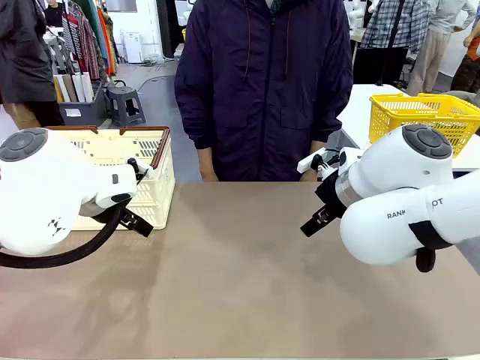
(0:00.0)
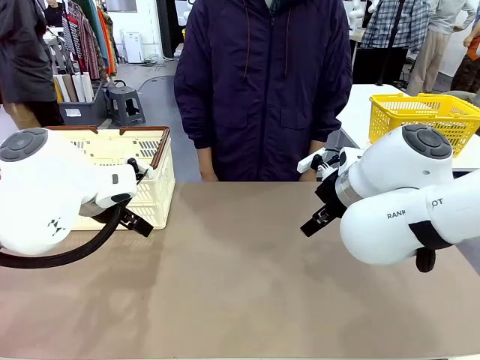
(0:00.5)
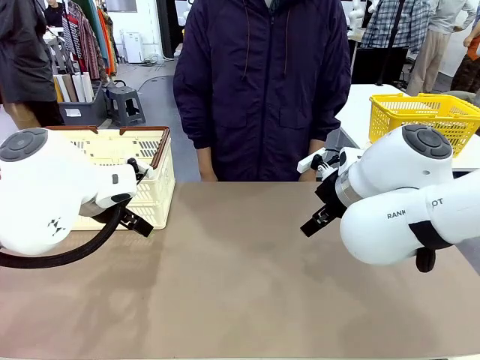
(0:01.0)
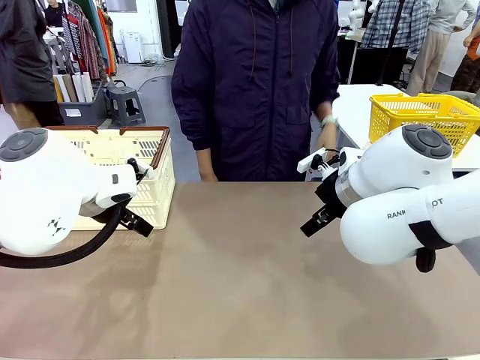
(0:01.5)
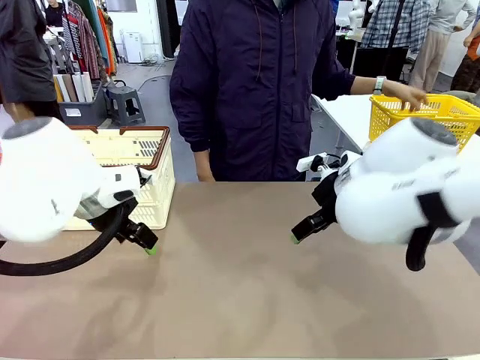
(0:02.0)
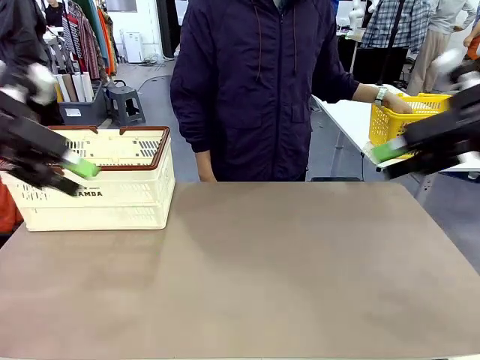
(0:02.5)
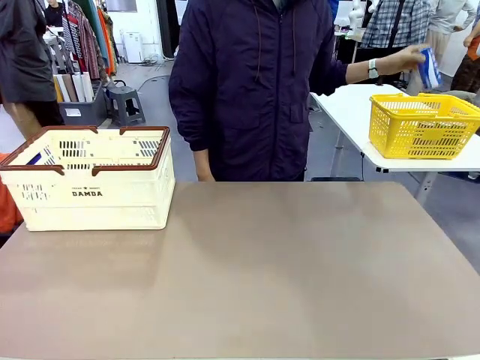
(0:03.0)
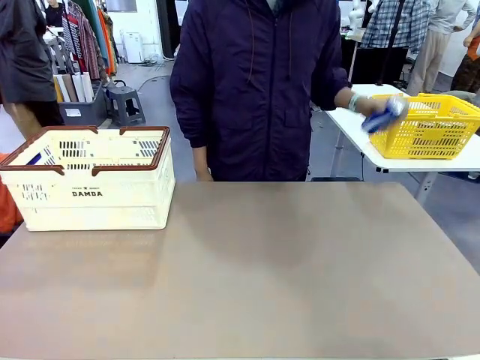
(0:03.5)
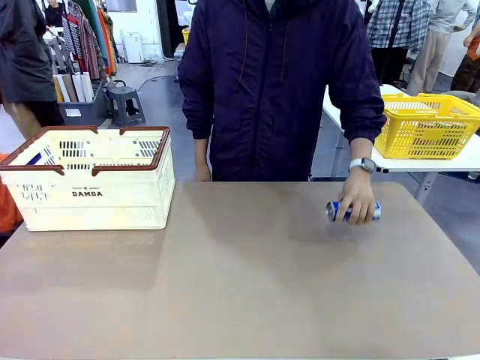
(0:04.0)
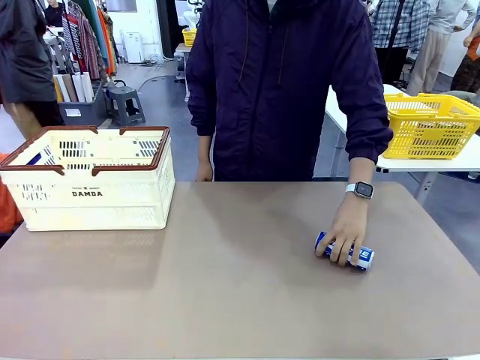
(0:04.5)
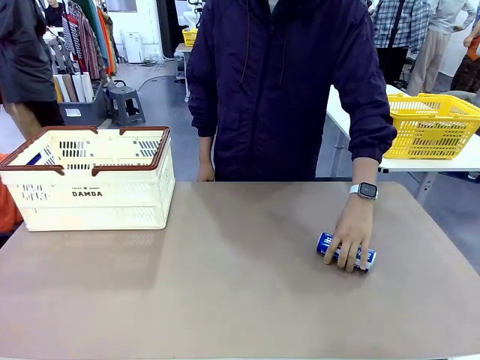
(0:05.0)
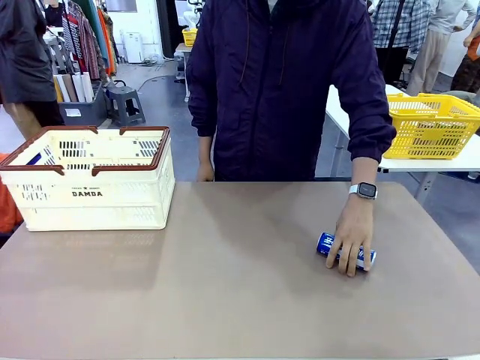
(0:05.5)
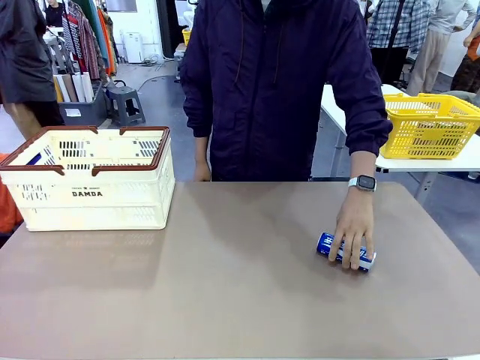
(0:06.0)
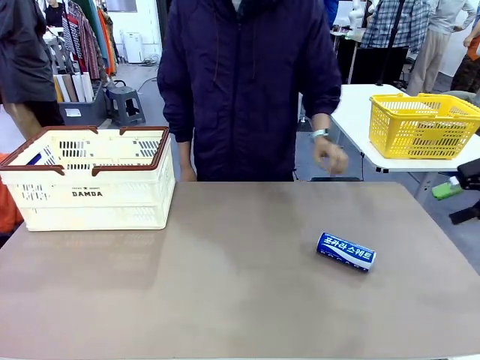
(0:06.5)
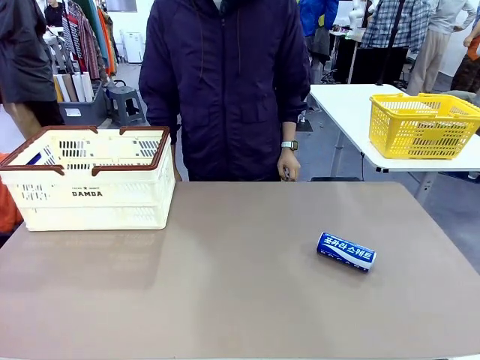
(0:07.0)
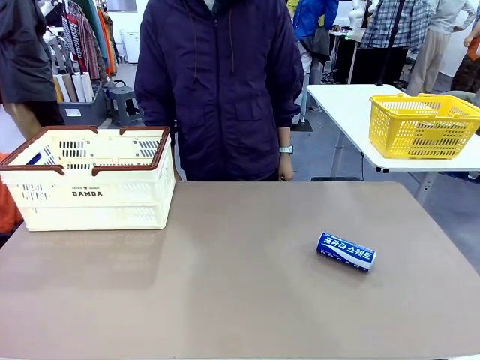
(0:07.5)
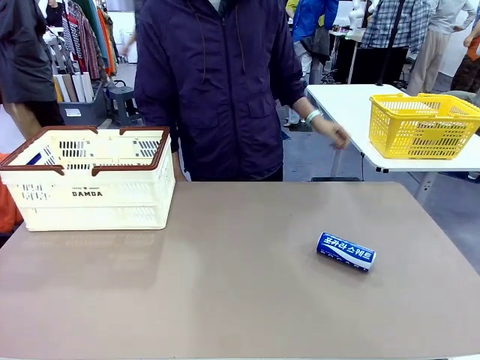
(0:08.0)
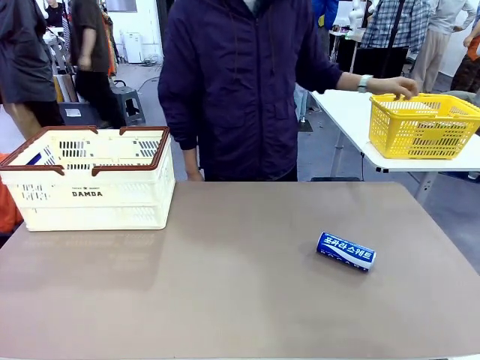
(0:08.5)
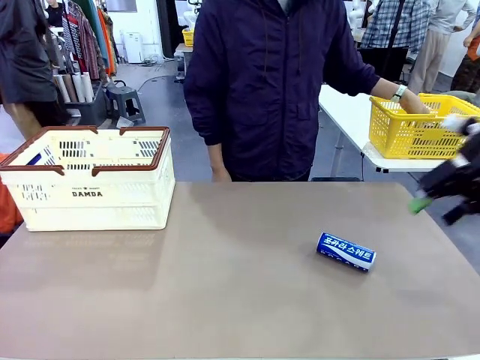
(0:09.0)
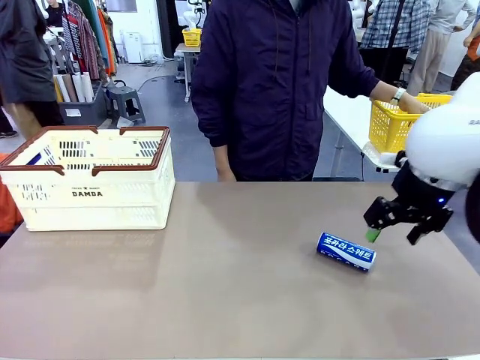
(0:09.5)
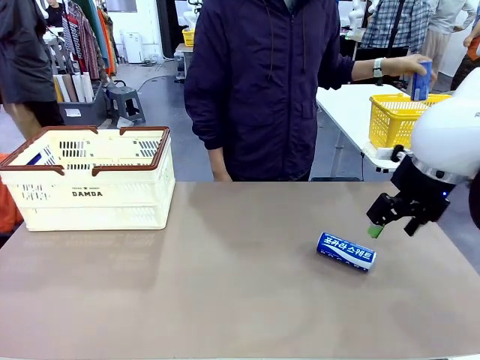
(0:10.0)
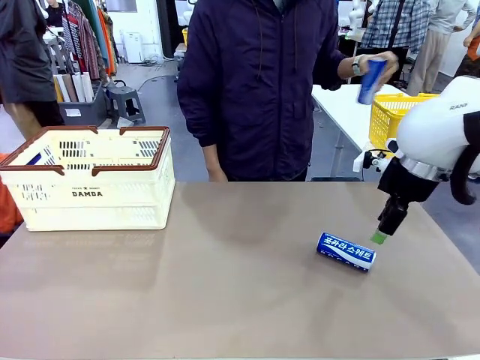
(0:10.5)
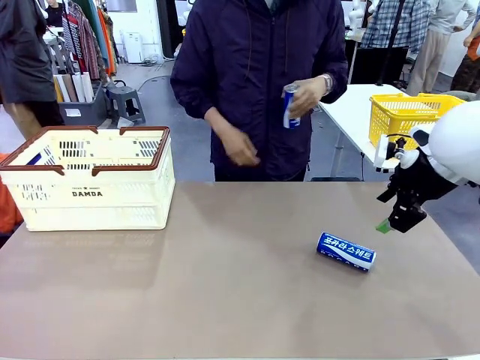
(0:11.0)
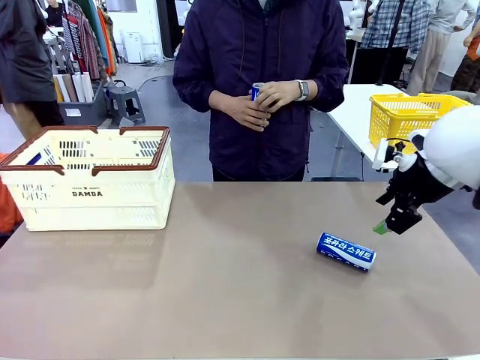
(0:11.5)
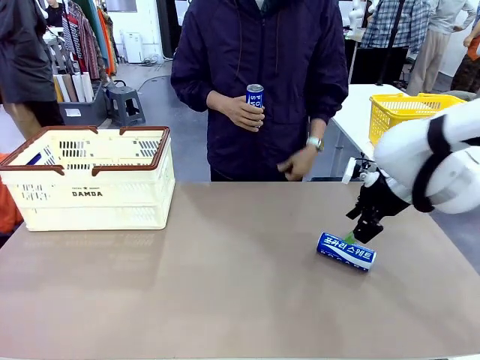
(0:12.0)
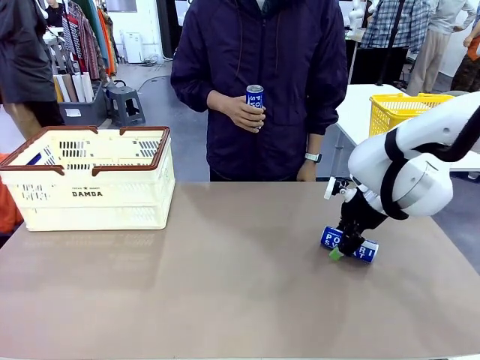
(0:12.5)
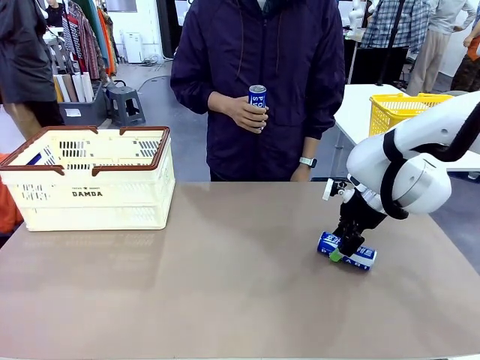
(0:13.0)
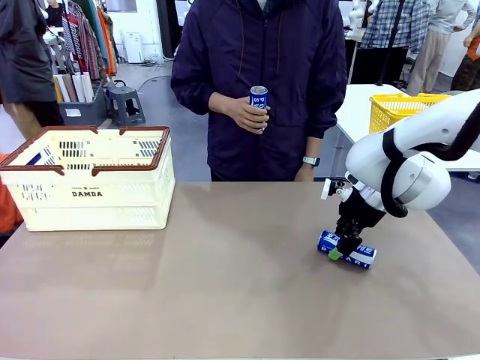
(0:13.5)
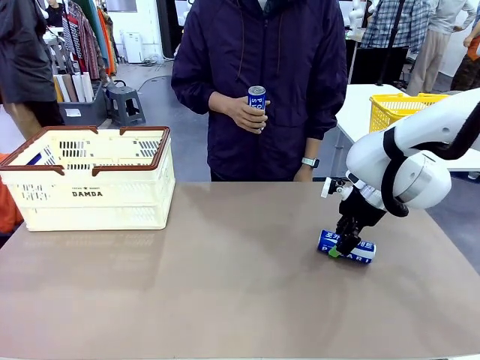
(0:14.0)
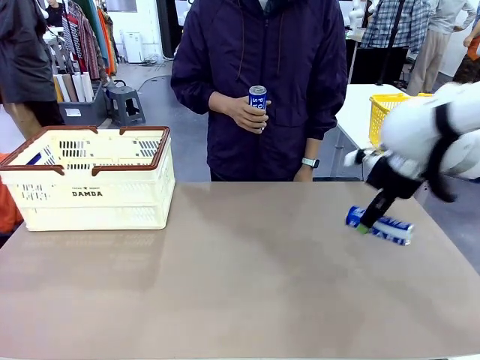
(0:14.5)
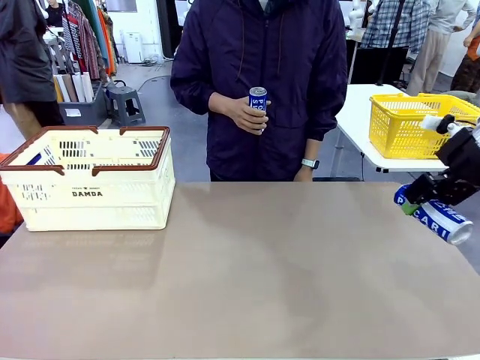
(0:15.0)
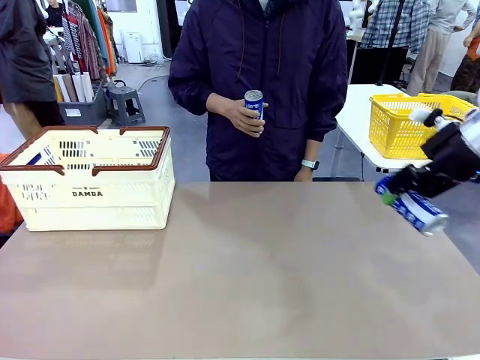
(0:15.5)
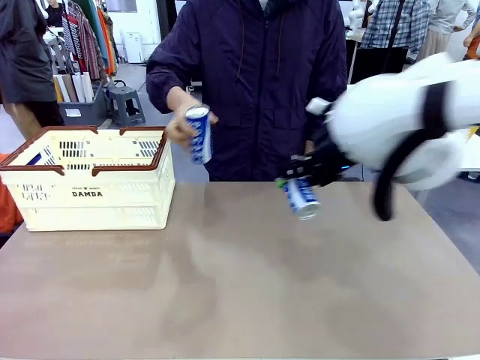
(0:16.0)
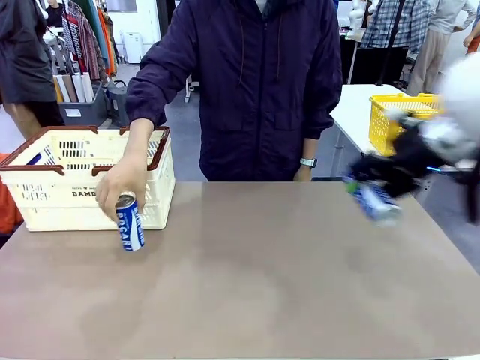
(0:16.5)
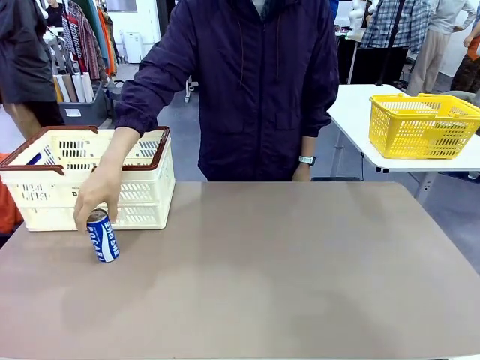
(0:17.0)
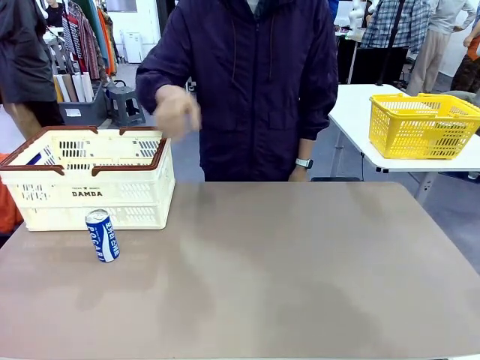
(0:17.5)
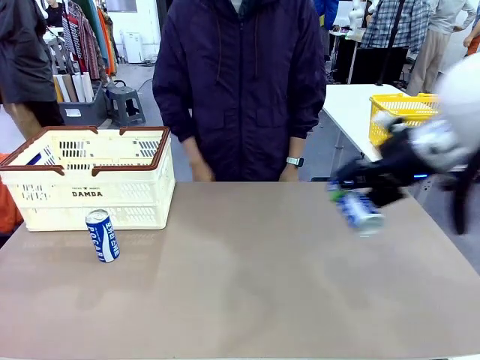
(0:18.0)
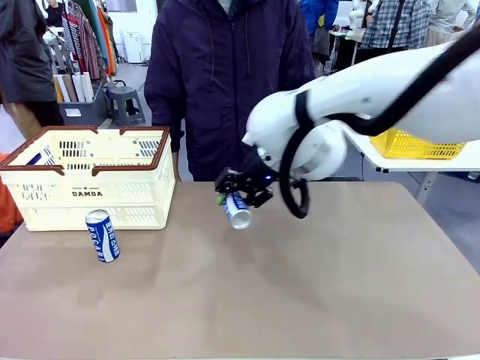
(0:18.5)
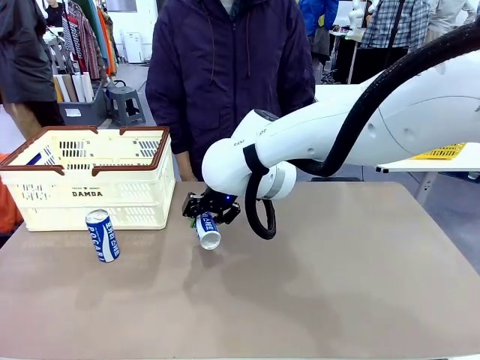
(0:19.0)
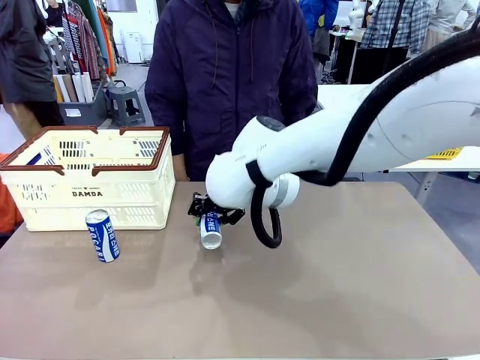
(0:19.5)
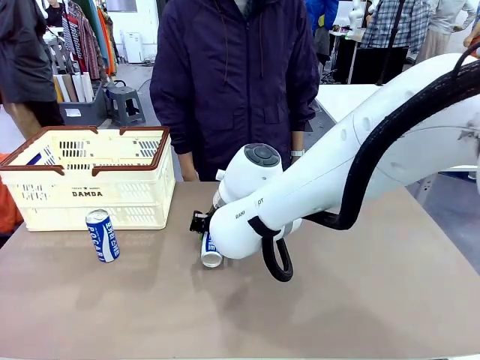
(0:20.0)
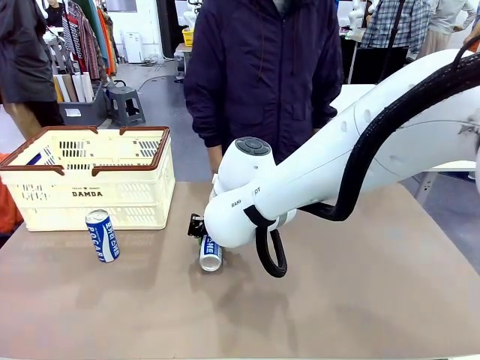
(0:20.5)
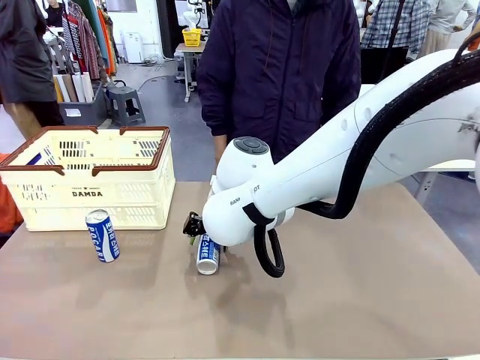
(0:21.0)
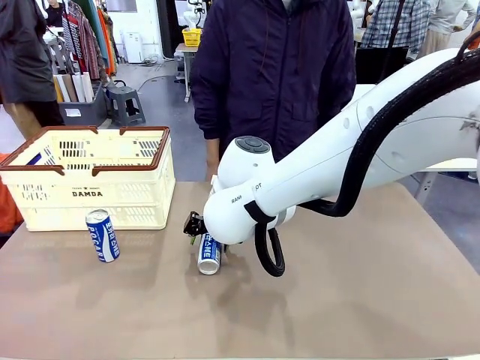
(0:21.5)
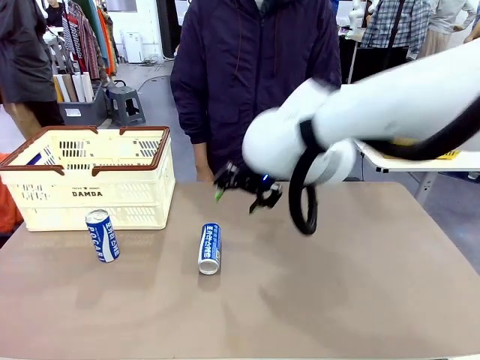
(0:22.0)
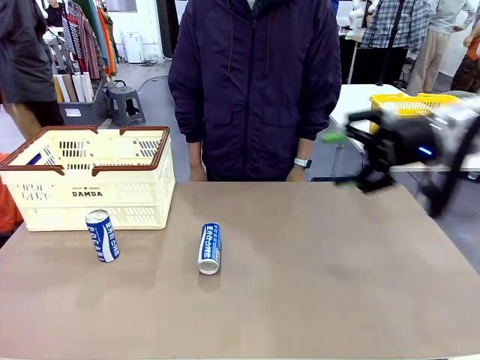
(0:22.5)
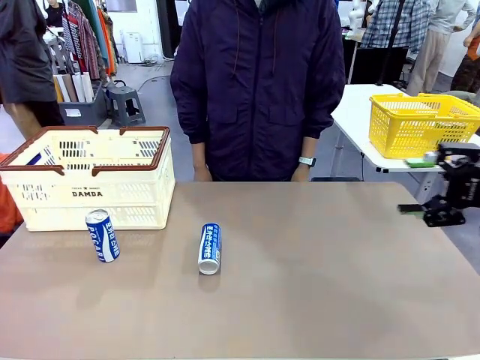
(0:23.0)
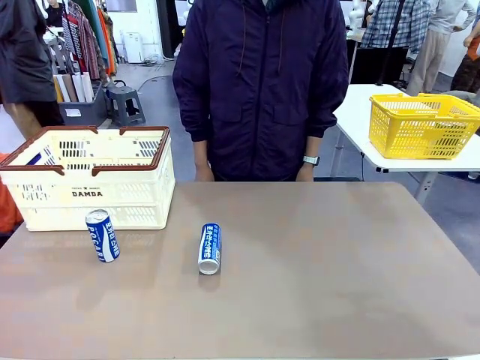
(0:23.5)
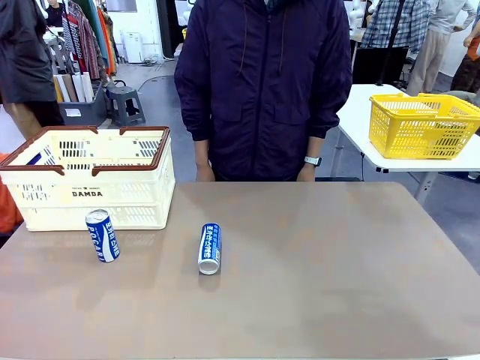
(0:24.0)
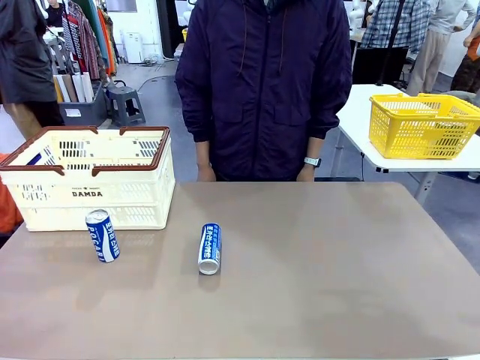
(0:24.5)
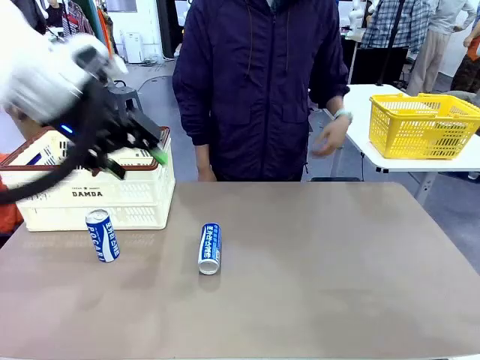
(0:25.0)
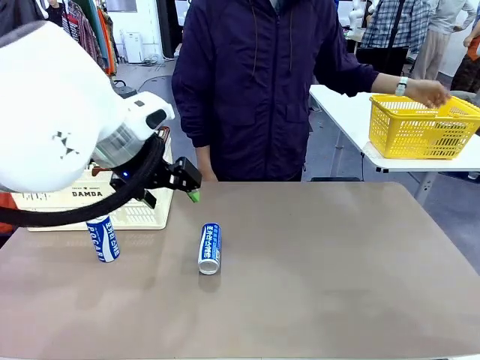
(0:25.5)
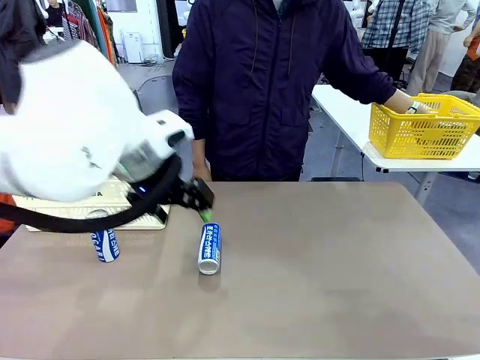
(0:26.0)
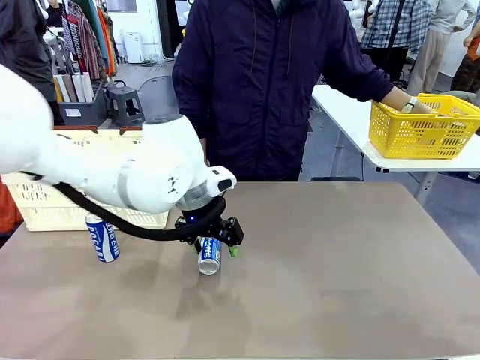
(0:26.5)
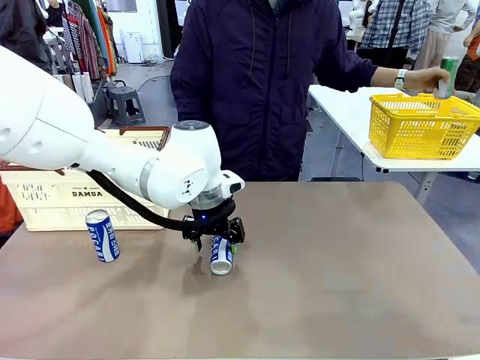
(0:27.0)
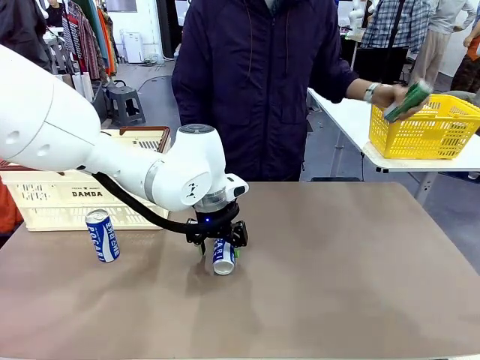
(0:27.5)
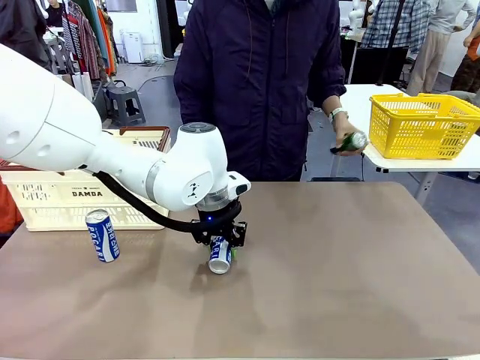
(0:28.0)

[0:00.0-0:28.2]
Task: Place the drinks into the Shopping basket.
Robot: Pick up one drink and place it into the Shopping basket.
